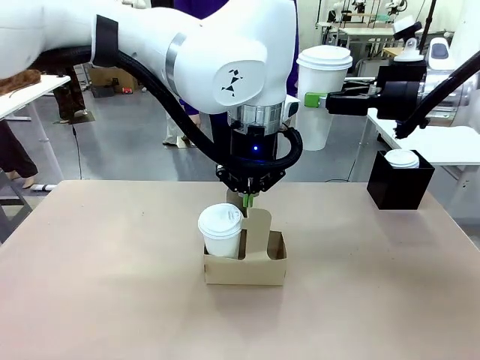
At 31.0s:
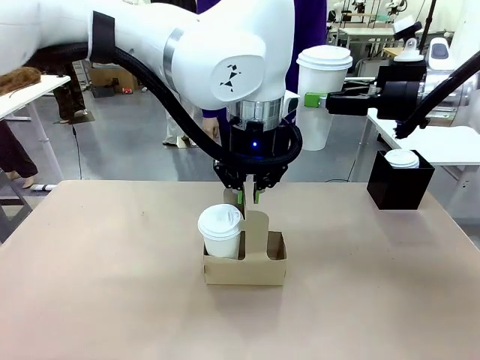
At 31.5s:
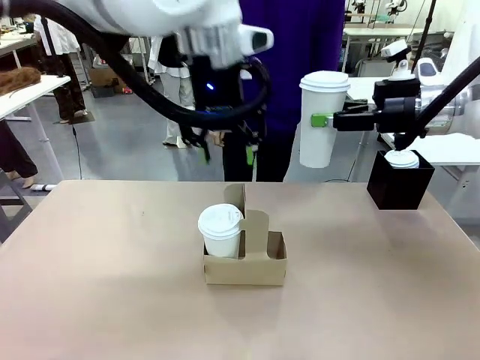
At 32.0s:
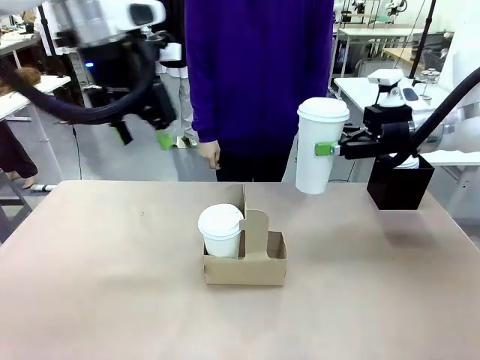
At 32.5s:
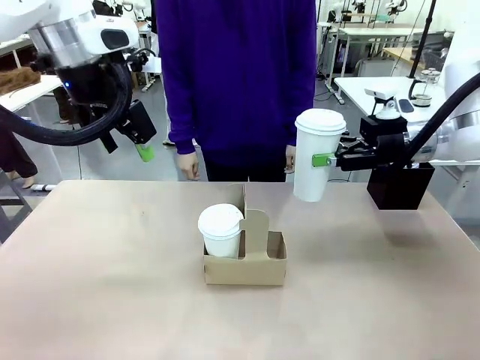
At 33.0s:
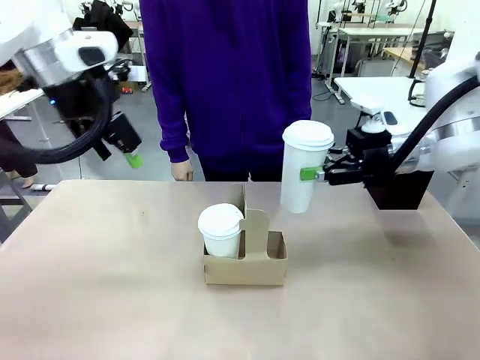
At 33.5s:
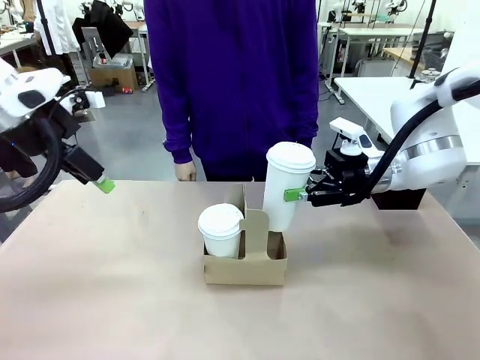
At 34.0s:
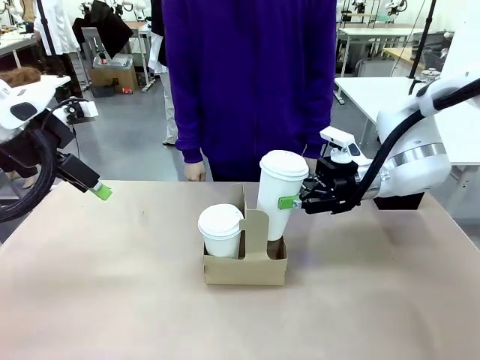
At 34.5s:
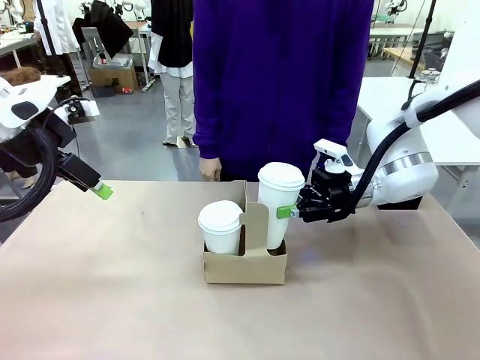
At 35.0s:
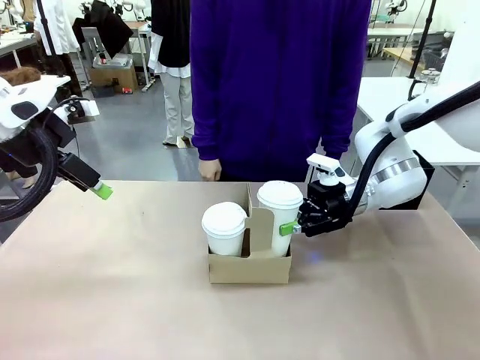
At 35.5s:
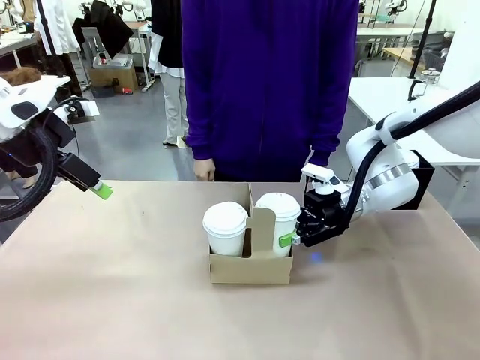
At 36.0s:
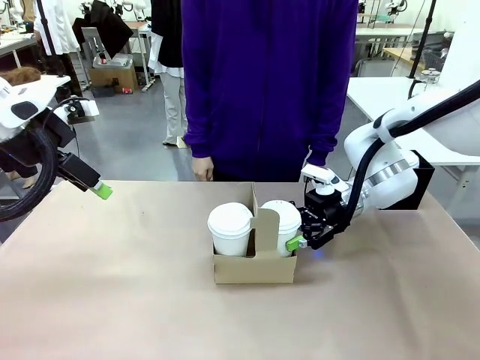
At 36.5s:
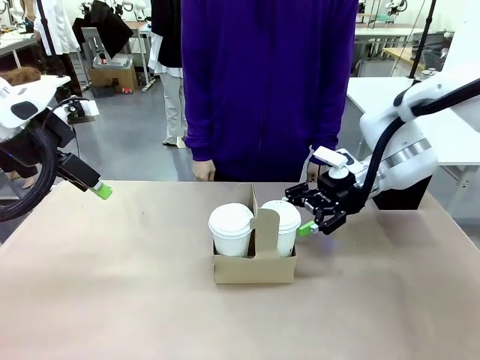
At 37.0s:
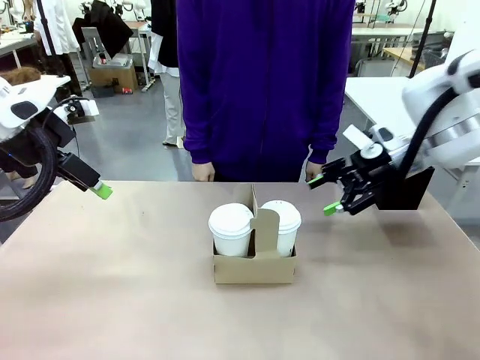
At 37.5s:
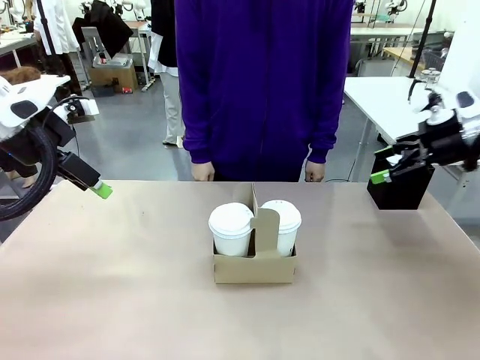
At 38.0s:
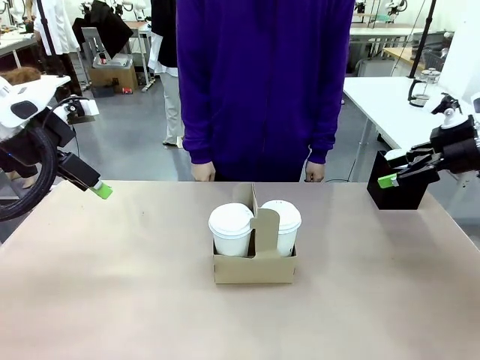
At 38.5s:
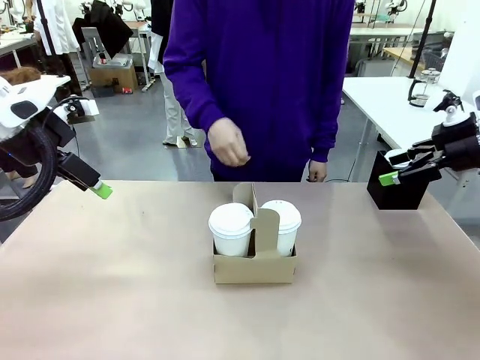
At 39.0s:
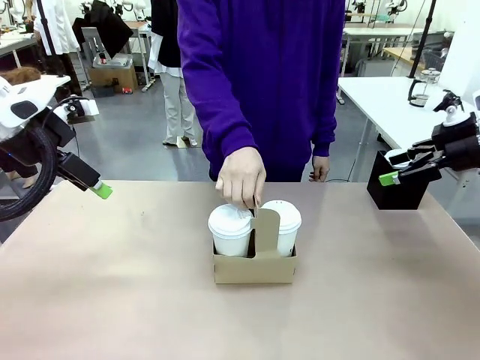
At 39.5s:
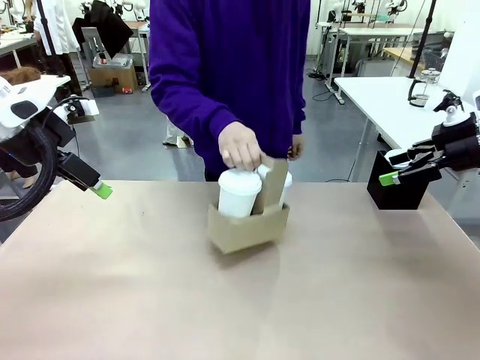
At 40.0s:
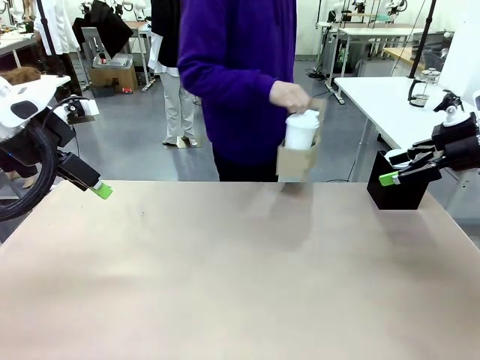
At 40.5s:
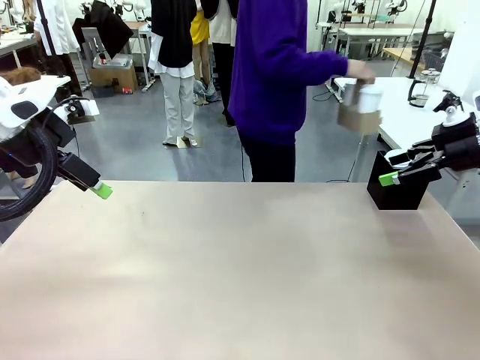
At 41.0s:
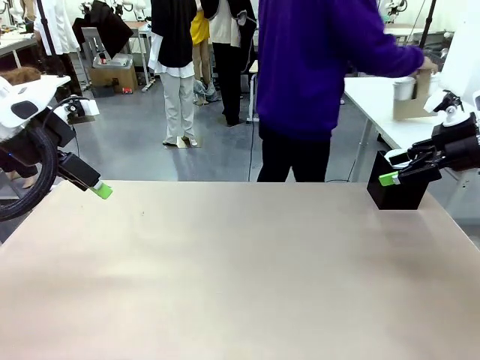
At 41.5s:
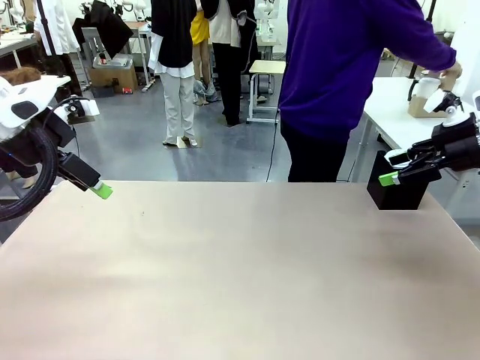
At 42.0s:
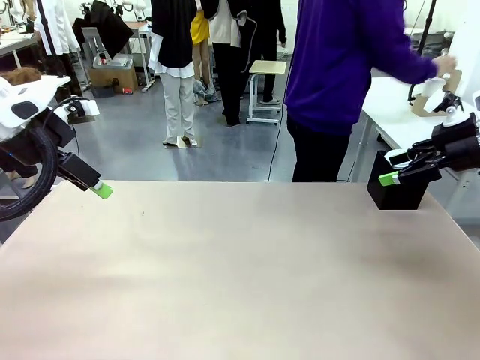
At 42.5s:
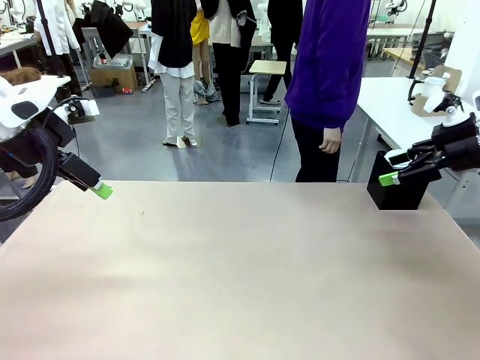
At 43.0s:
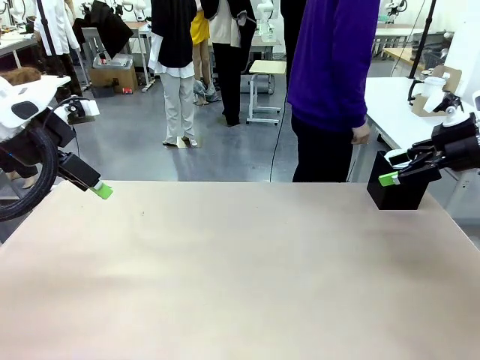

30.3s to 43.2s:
Task: Pour a drink into a cup and package it in a carrier.
Robot: Insert the held 600 ml Paper Cup into the Cup Carrier.
Person: Place the Cup Carrier to the middle of Human table.

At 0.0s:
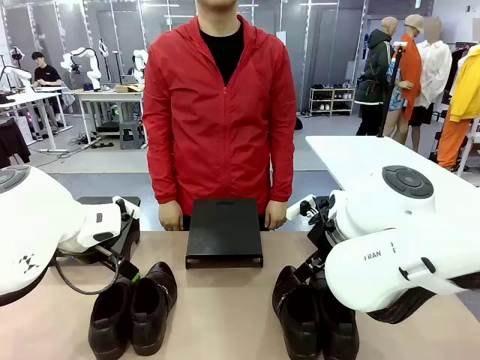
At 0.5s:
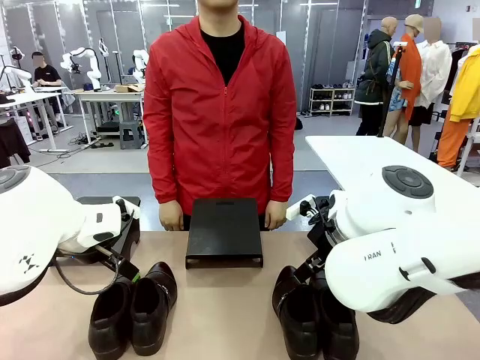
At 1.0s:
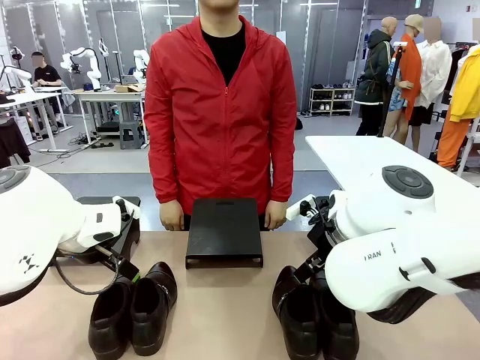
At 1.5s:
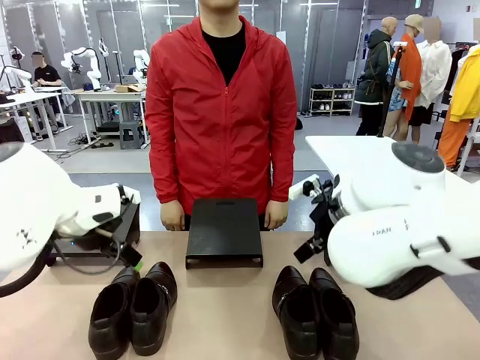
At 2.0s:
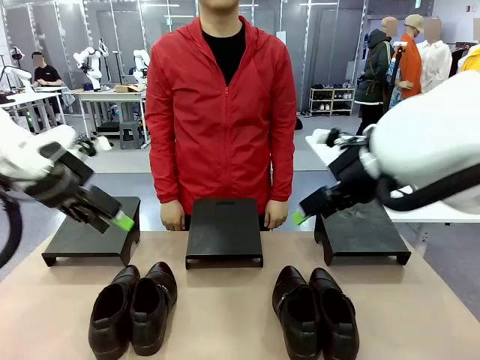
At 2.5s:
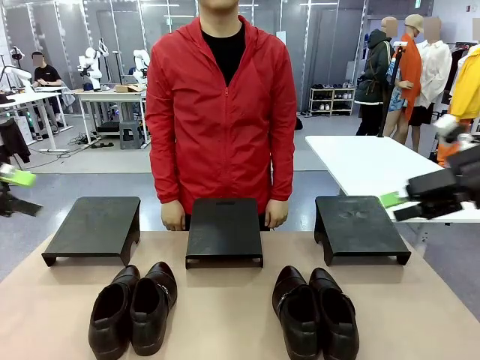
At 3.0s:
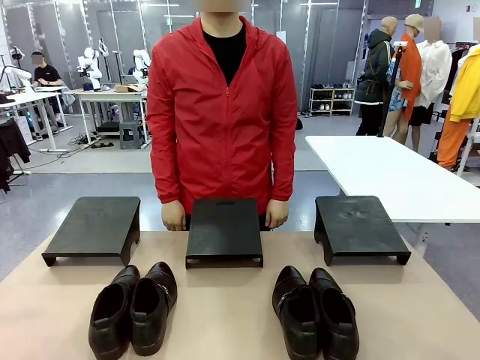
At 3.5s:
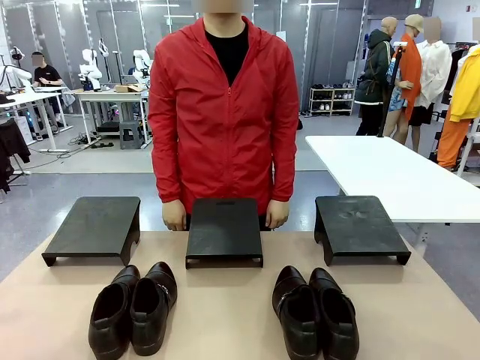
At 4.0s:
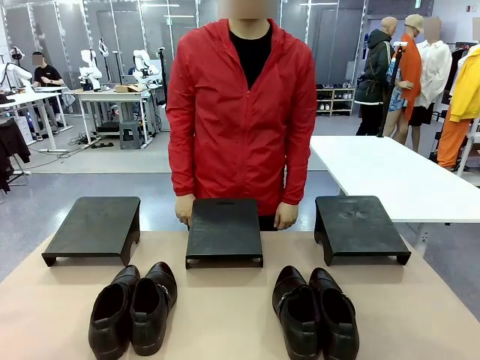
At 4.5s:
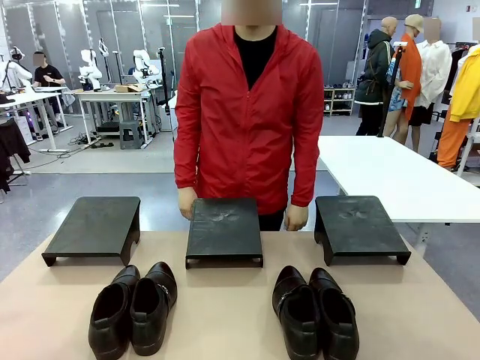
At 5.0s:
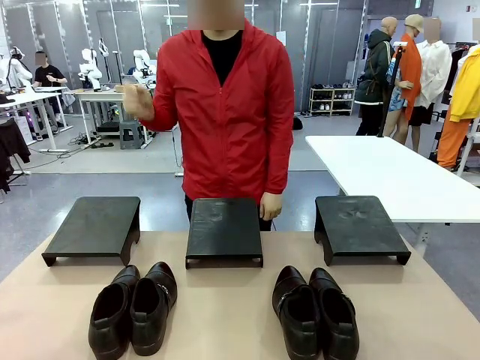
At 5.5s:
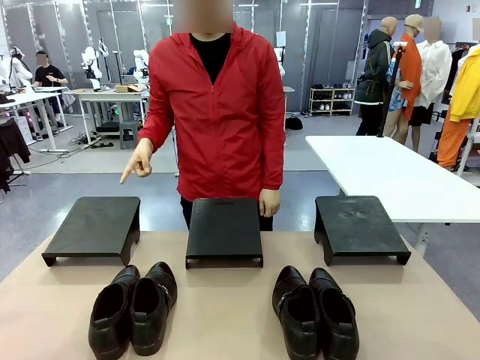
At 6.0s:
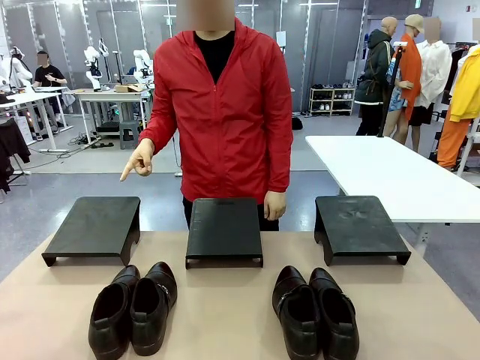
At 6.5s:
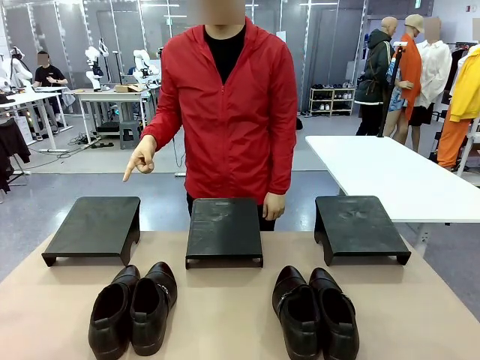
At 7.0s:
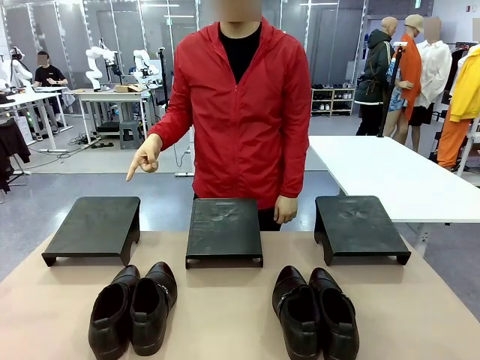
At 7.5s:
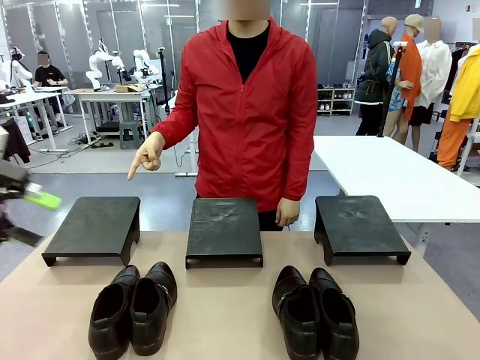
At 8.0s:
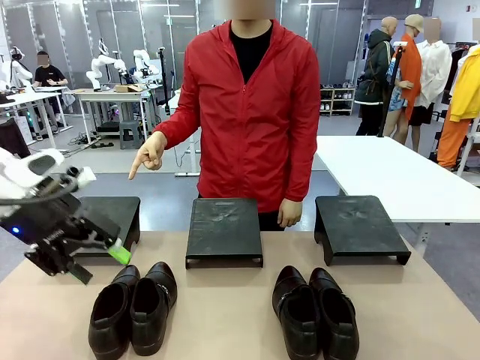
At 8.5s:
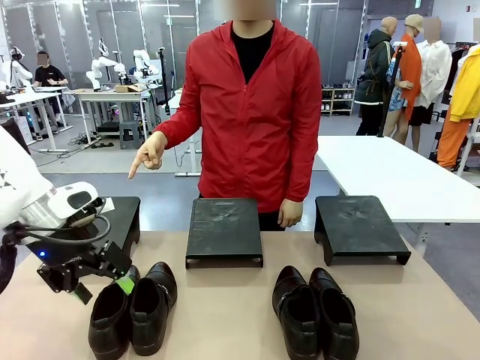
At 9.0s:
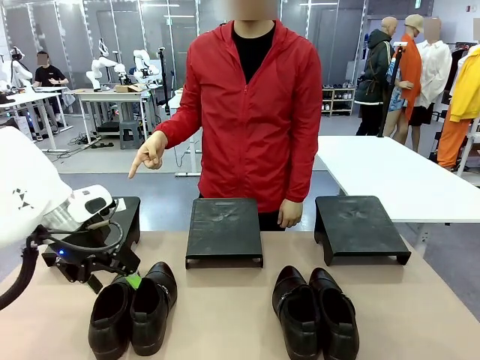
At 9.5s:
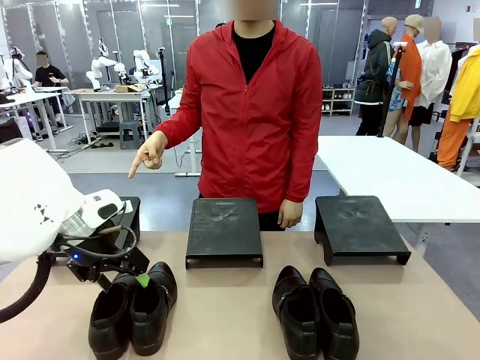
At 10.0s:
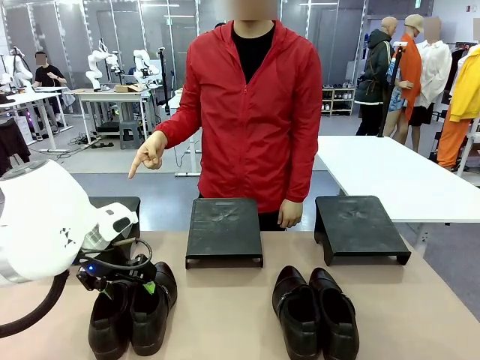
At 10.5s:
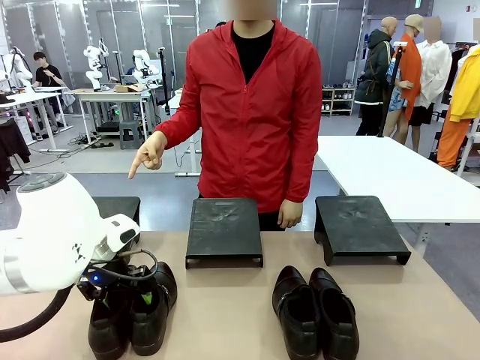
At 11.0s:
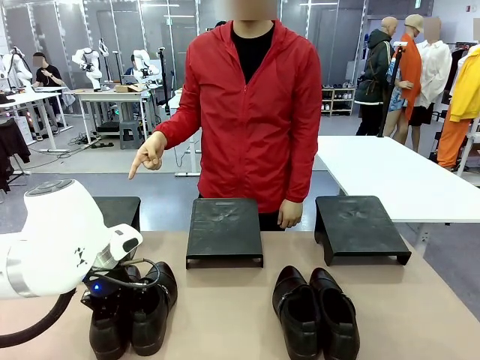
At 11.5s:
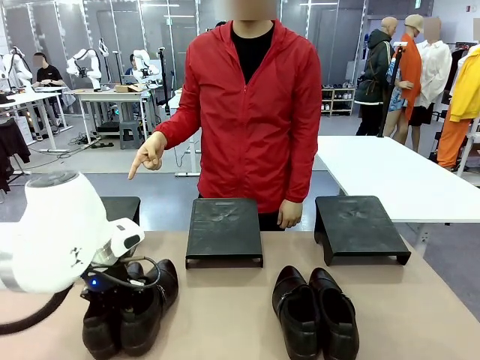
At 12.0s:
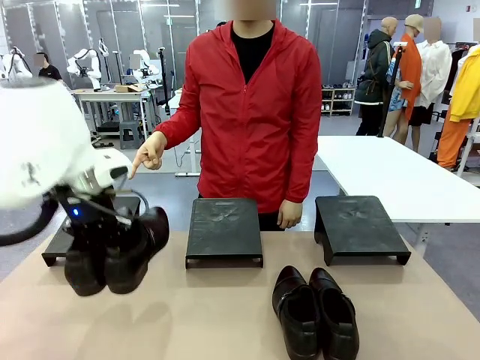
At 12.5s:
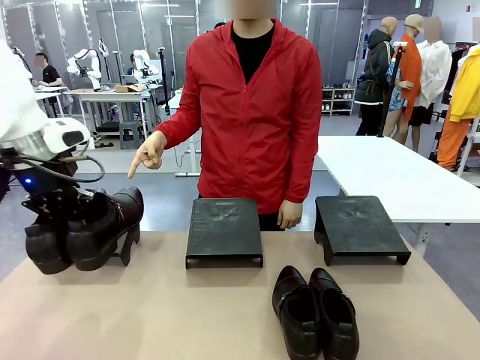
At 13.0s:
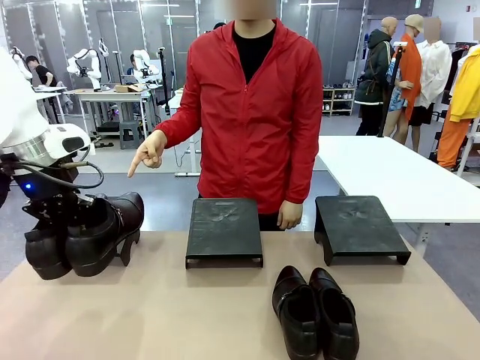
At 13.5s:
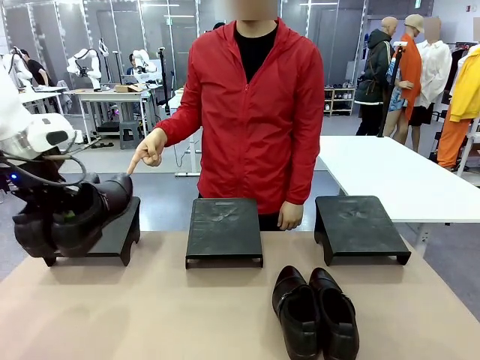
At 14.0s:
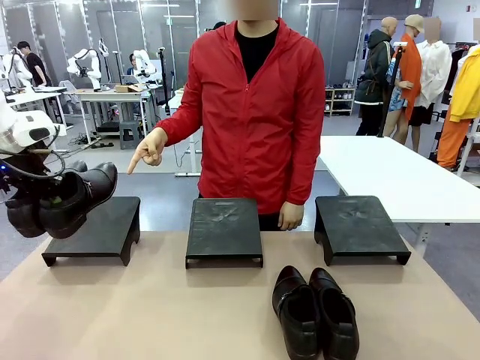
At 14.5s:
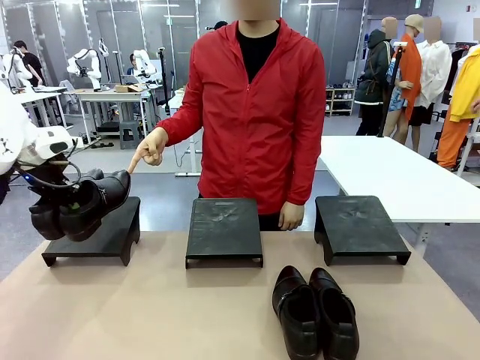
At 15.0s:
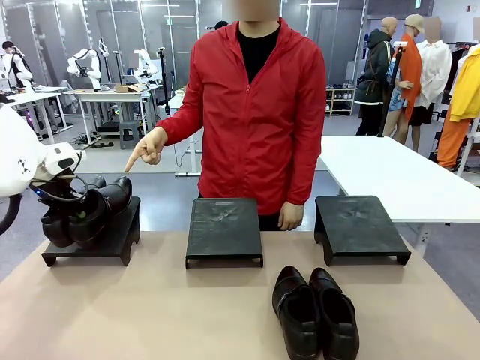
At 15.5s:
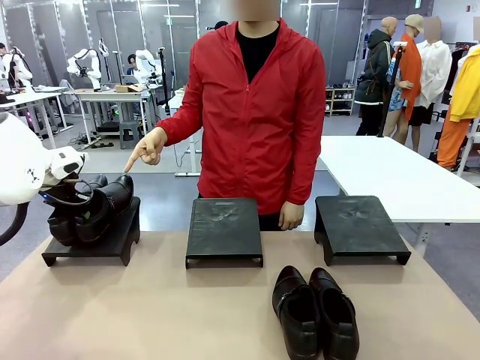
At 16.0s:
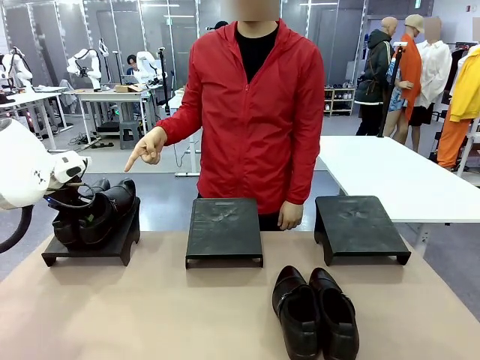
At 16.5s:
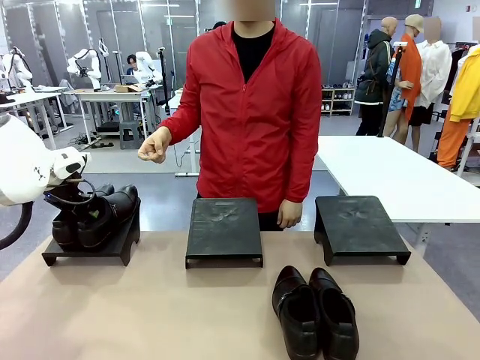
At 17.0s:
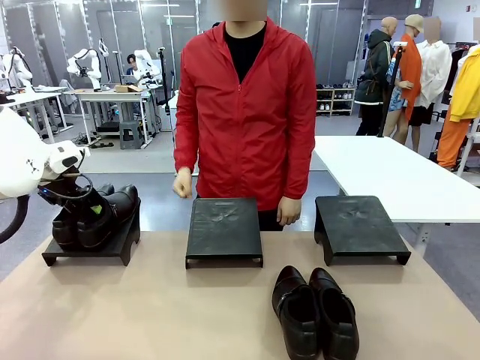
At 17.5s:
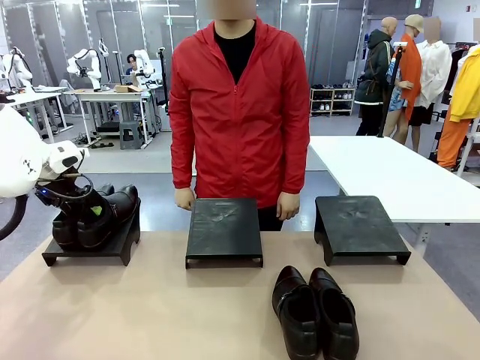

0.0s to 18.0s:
Task: Place the shoes on the stand as instructed by the person.
Robot: Pick up one pair of Shoes and place it on the Shoes Stand indicated by the person.
